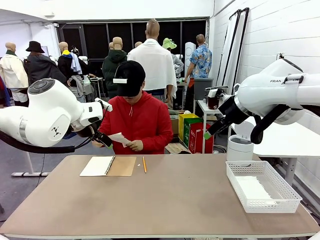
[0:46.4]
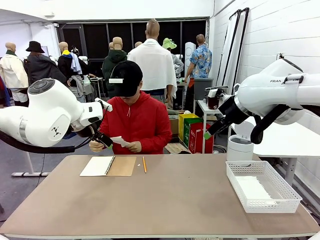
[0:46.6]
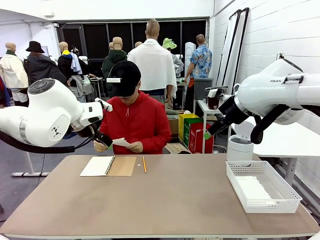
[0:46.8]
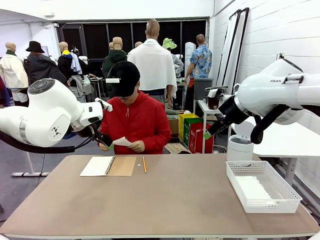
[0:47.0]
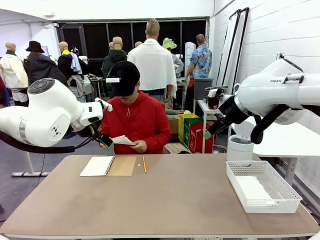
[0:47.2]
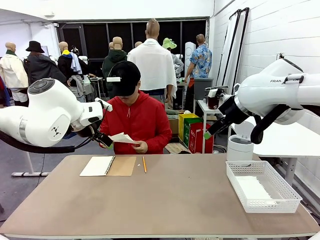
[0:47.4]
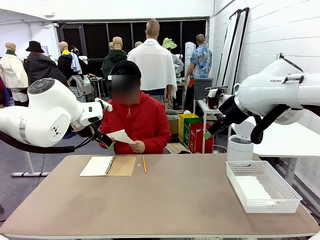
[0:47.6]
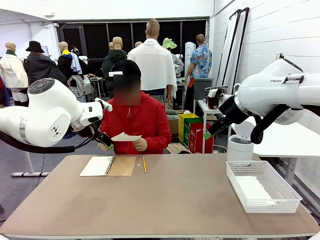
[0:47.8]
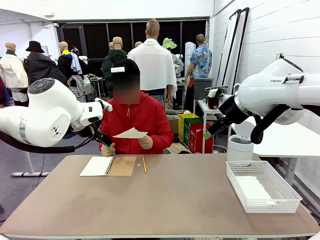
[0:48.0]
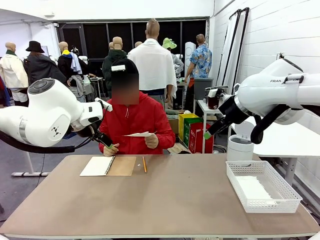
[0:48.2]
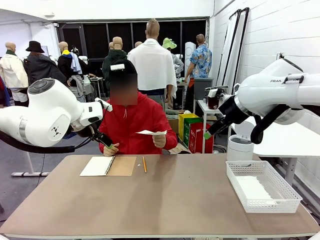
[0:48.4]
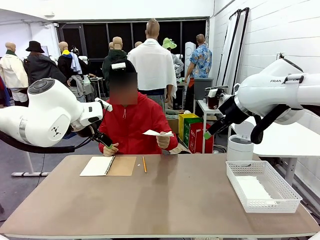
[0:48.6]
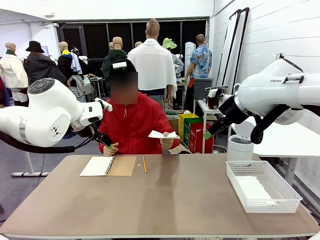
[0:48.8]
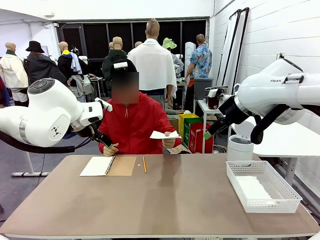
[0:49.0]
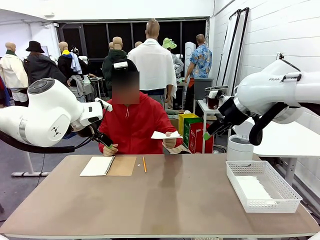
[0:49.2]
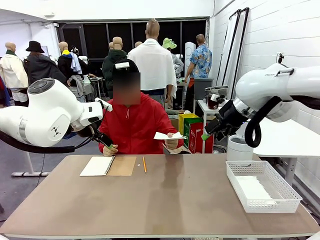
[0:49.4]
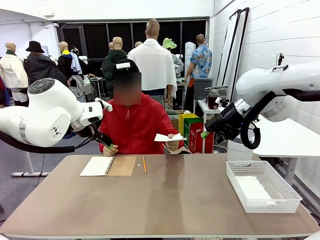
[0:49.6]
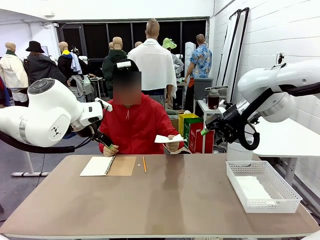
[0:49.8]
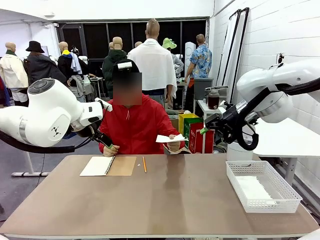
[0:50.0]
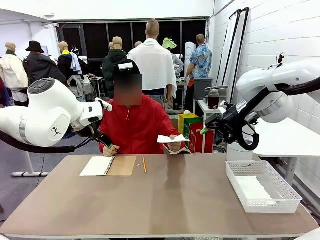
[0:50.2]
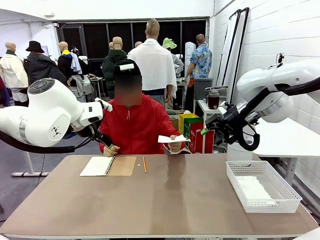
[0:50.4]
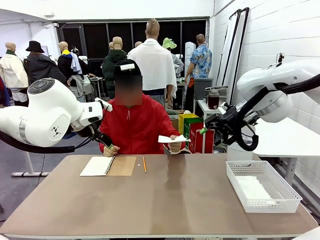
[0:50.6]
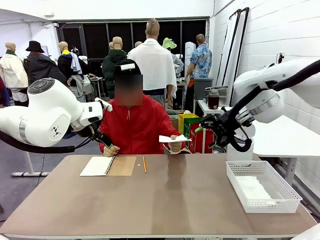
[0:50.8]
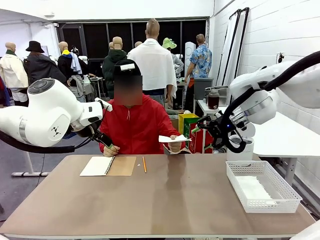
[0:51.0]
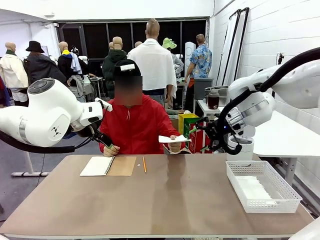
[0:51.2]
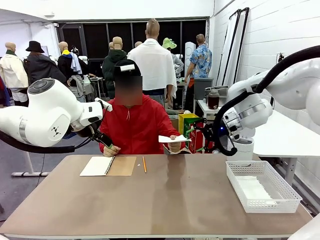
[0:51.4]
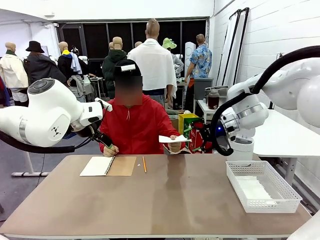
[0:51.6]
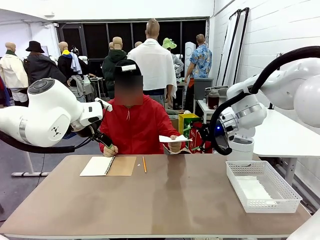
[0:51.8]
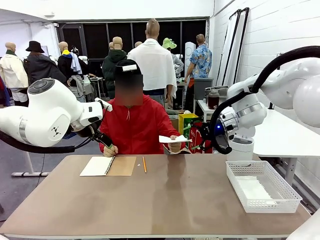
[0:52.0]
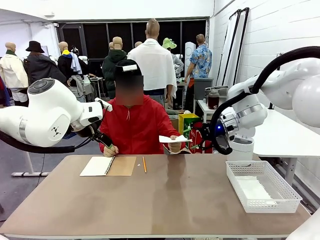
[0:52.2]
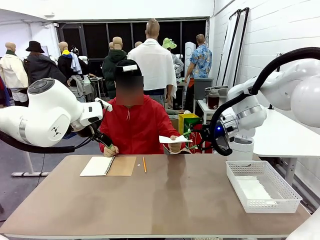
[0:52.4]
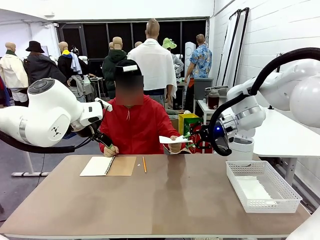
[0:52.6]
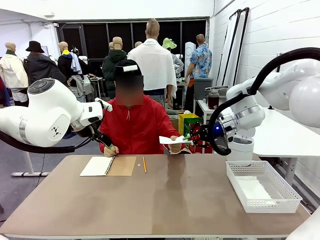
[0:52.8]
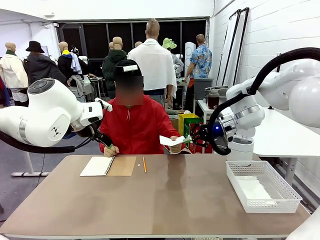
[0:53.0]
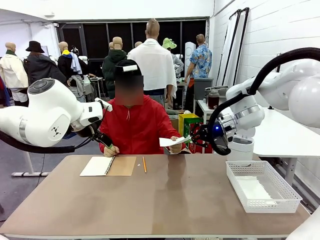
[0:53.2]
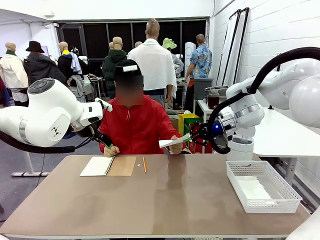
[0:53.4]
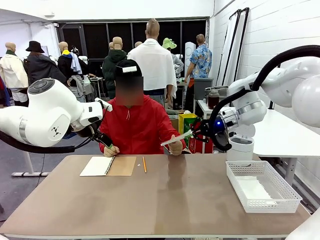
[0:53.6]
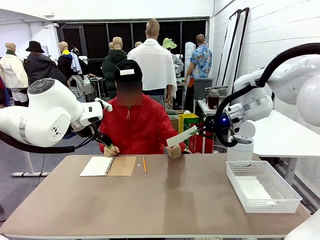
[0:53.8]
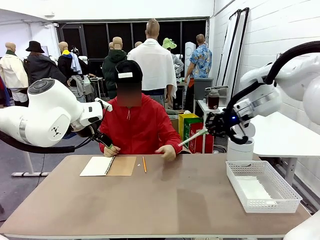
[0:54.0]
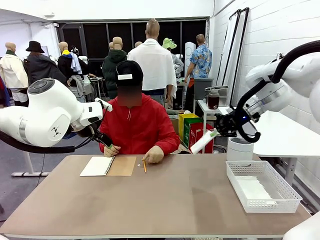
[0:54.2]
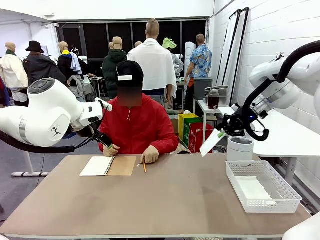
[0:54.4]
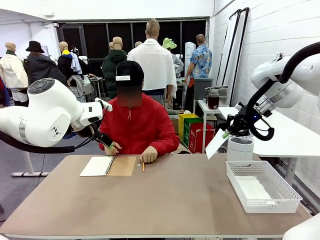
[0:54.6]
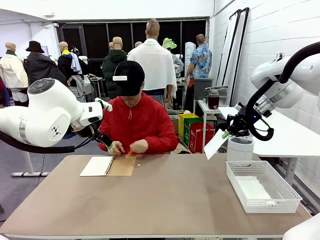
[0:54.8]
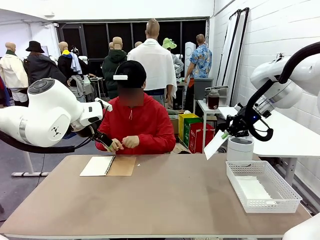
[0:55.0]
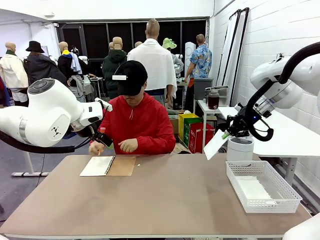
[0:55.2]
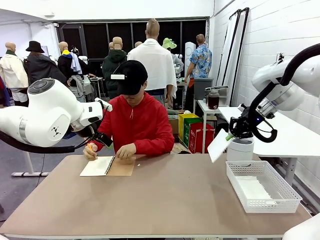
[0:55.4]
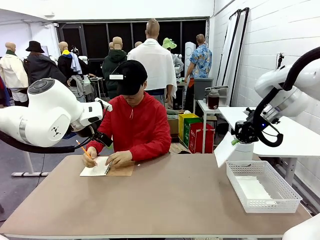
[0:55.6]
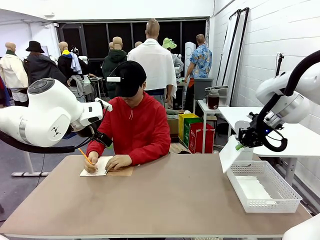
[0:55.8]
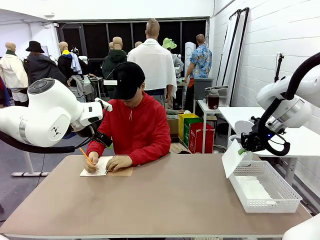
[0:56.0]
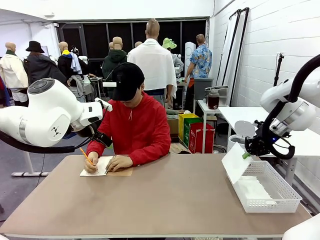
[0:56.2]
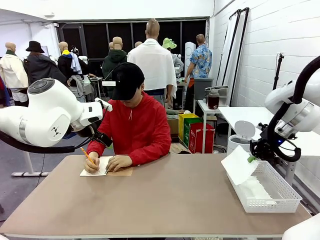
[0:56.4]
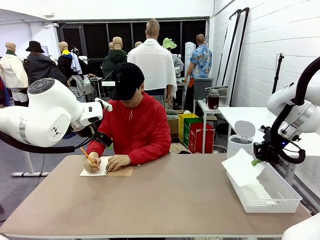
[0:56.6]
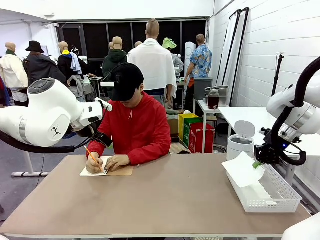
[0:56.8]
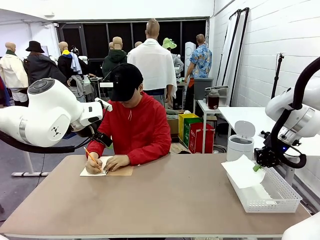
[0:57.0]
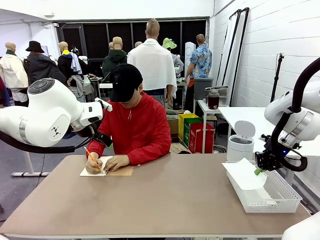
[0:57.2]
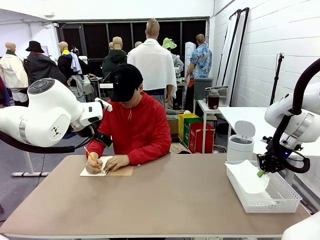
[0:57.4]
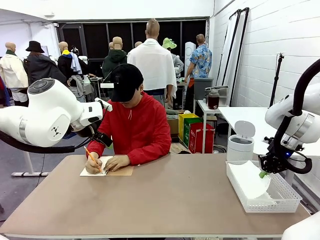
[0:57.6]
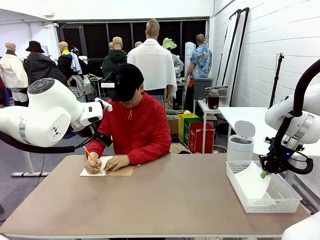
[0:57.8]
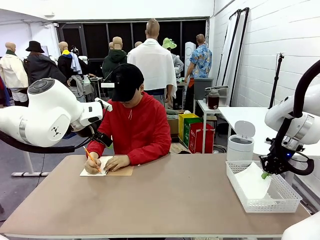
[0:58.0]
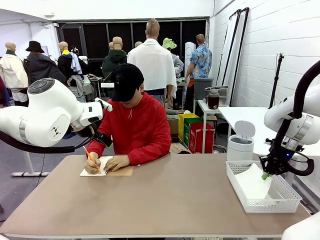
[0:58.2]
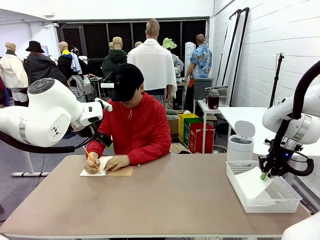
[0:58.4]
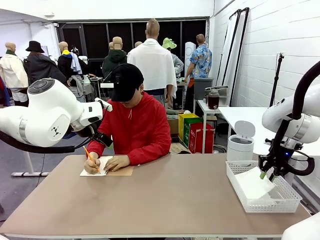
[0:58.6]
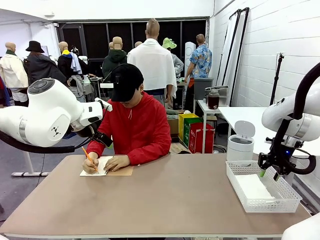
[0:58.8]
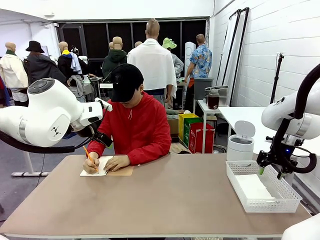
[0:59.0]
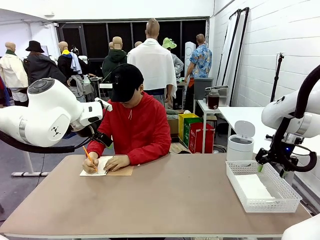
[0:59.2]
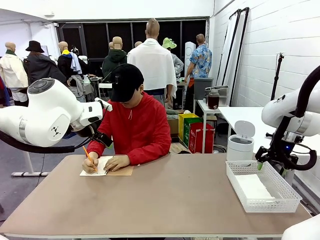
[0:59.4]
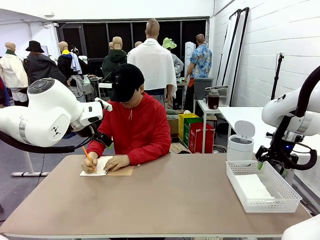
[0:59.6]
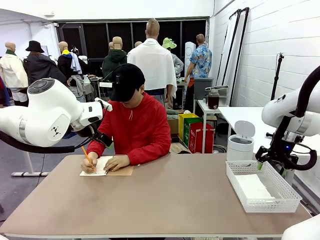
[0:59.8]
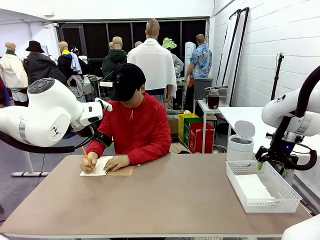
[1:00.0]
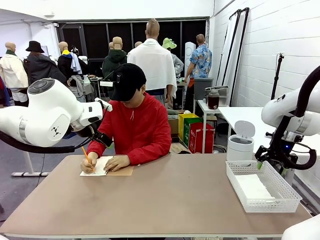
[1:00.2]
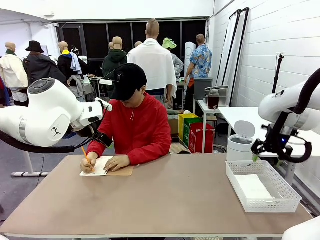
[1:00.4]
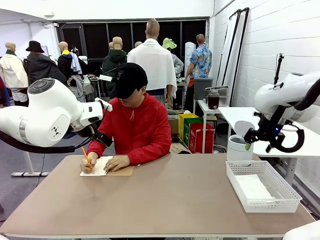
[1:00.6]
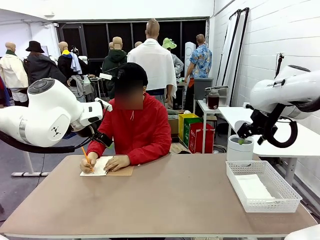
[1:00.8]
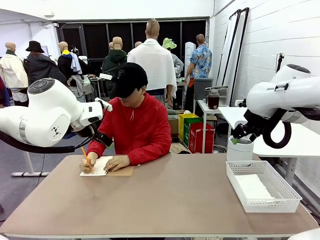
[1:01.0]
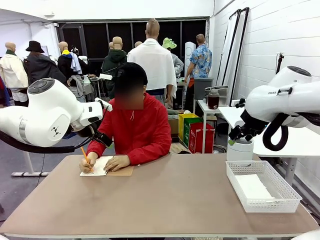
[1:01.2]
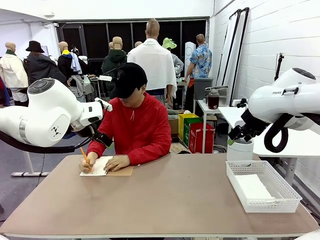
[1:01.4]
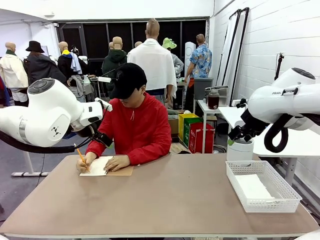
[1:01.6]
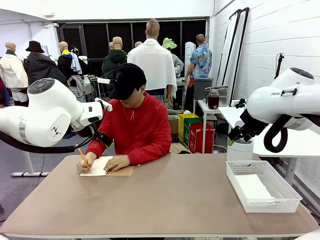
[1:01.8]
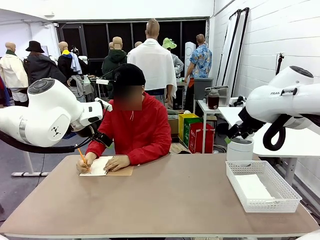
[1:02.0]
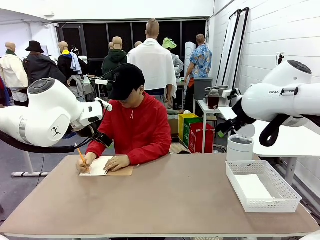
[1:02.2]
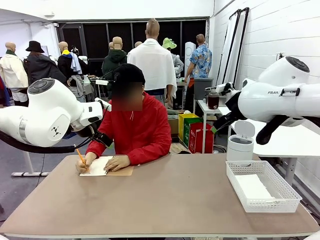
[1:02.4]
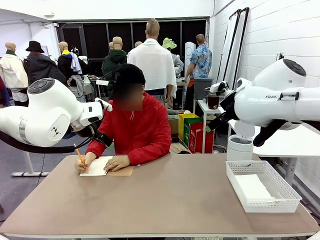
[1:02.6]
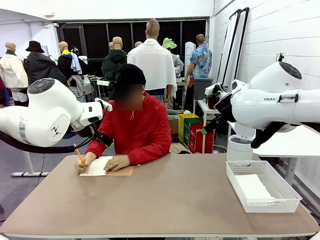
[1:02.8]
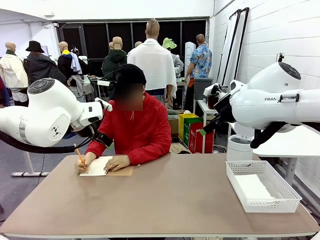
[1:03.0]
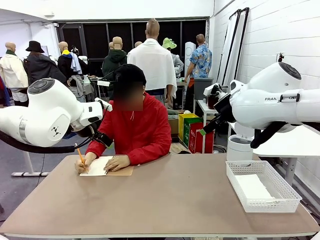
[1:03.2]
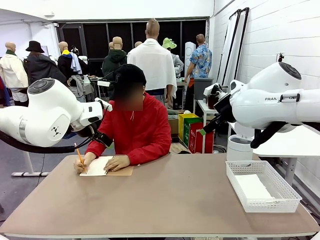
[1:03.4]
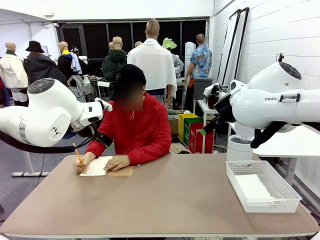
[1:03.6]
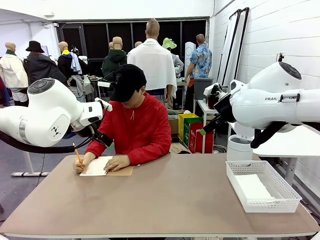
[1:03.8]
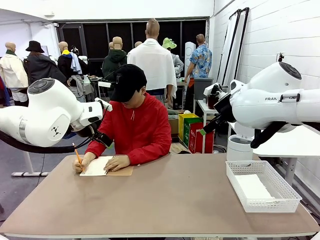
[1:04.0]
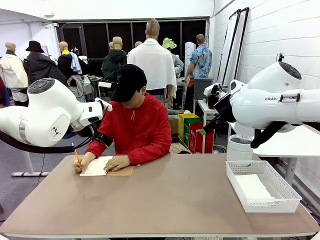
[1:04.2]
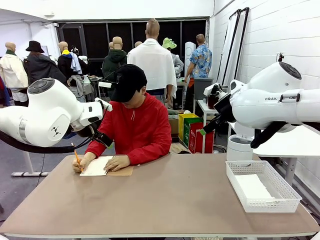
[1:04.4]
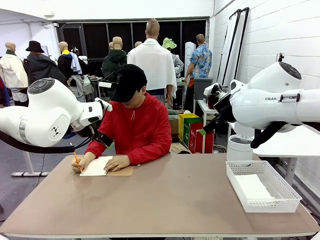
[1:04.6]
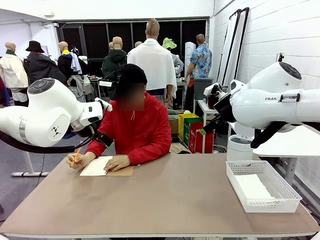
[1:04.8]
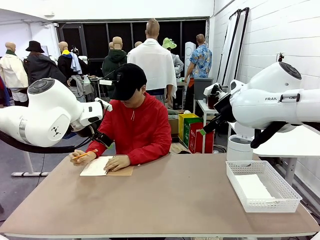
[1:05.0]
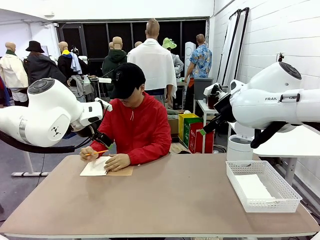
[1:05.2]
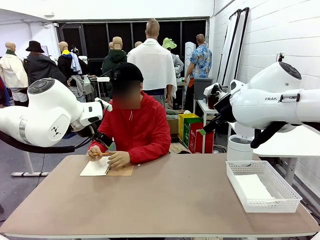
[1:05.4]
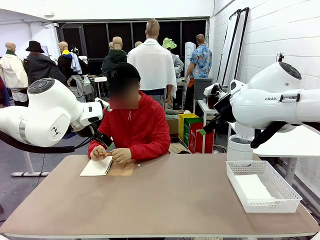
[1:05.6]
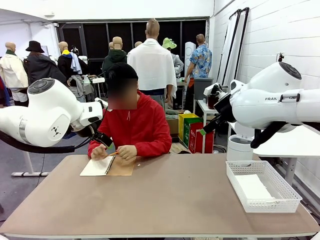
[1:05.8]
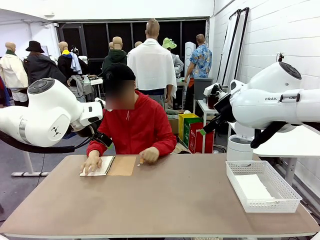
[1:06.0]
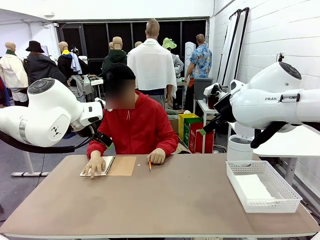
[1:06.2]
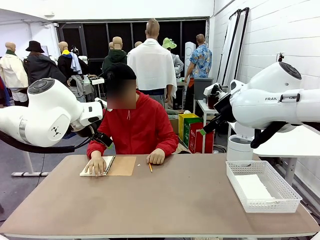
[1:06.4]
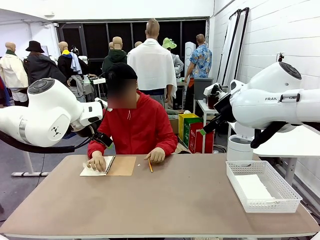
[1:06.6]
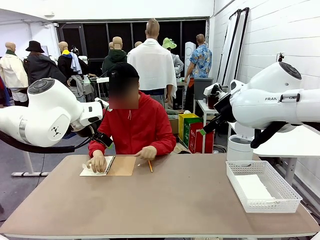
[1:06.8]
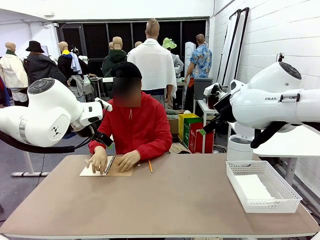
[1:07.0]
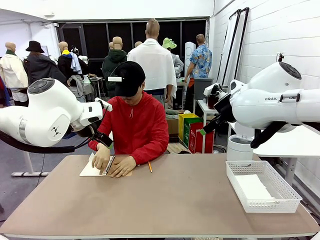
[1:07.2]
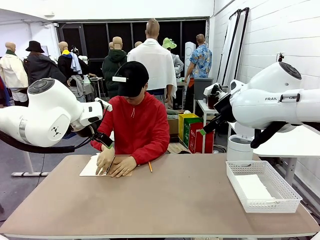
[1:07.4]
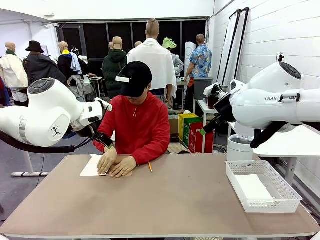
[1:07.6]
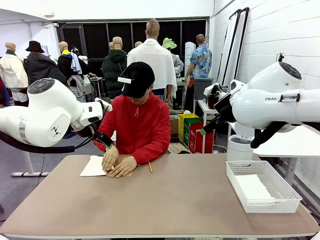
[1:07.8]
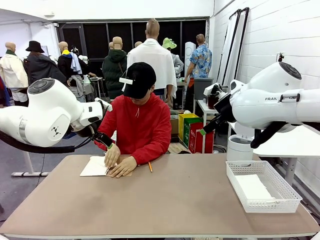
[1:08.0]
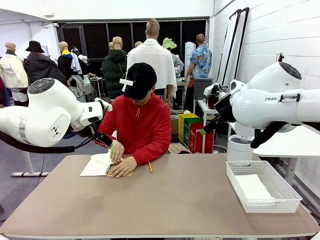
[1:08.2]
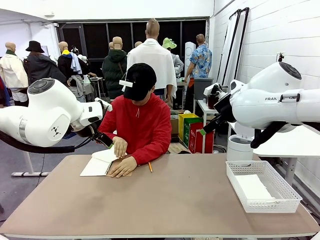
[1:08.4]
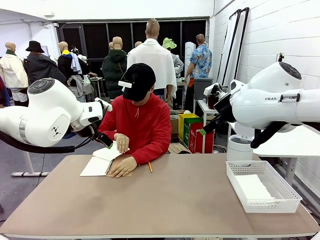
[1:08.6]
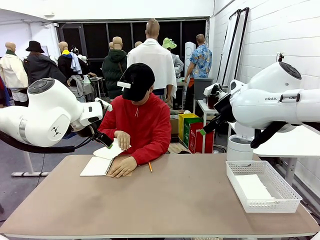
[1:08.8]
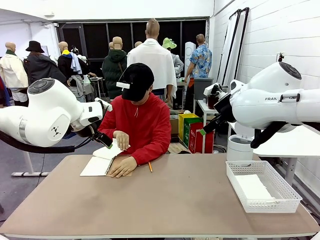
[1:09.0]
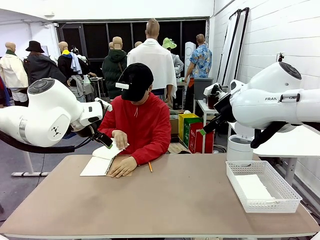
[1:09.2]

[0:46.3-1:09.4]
Task: Sort the paper based on its condition.
Robot: If a person hands you a paper, place it in the Organizing basket , and if it's crumpled, put it in the Trash can.
Person: Hand the torn page to the robot or crumple it and throw it to the center of the table. Tear out a page from the spiral notebook.
